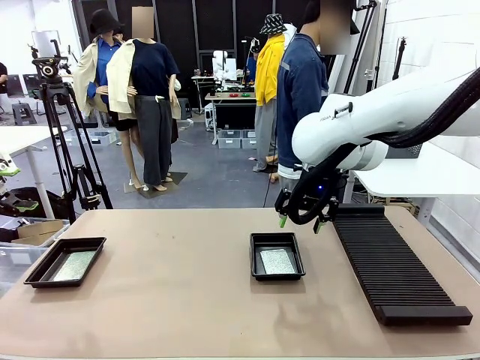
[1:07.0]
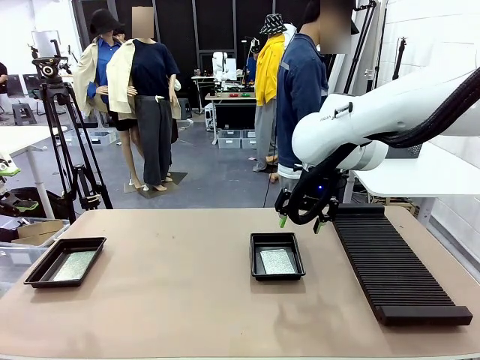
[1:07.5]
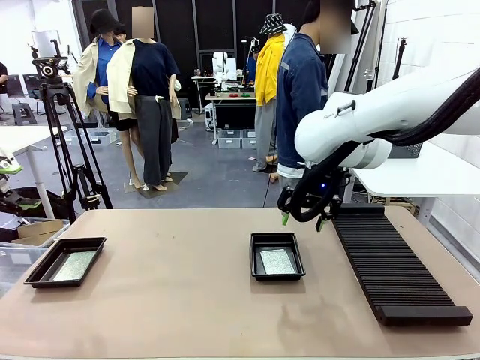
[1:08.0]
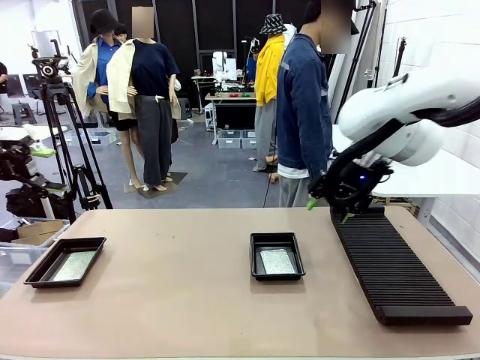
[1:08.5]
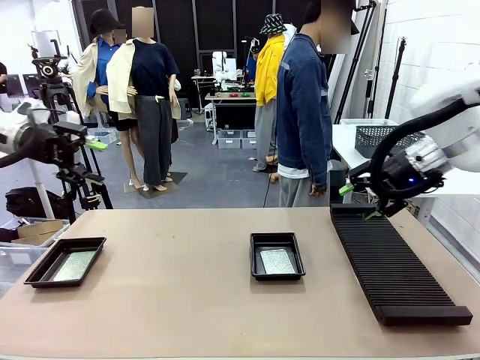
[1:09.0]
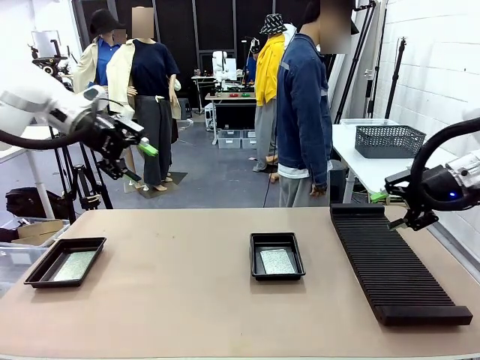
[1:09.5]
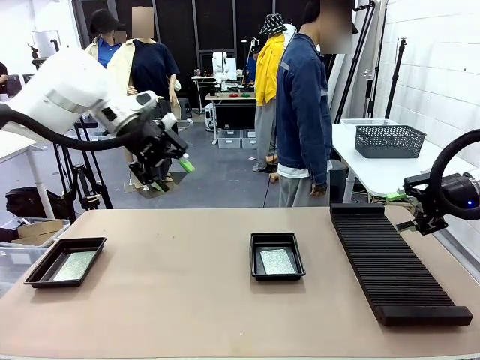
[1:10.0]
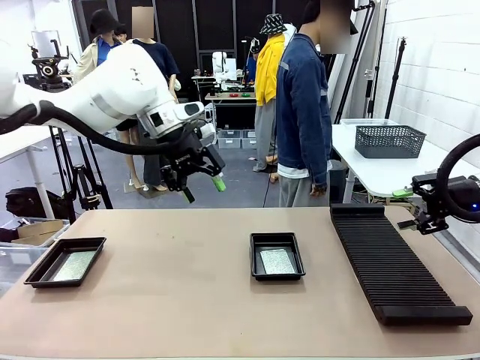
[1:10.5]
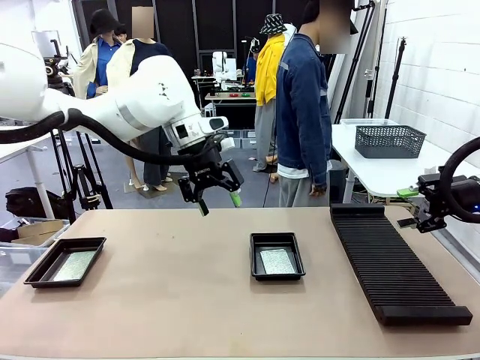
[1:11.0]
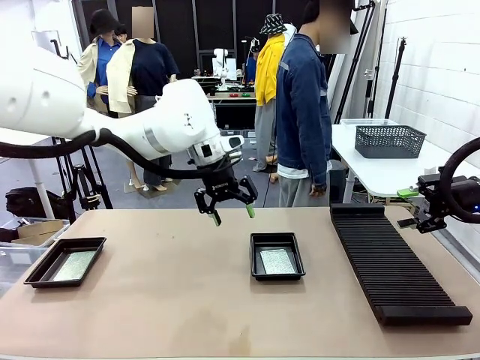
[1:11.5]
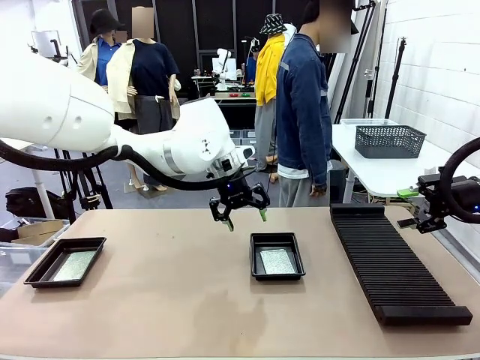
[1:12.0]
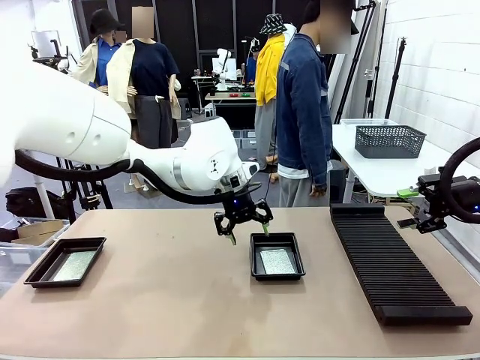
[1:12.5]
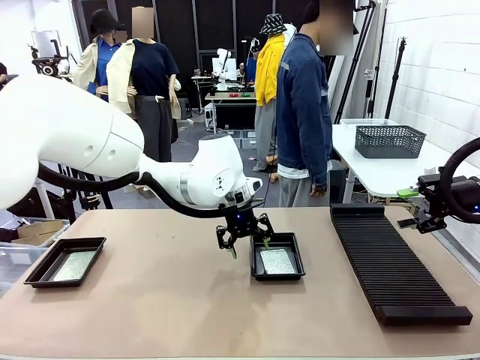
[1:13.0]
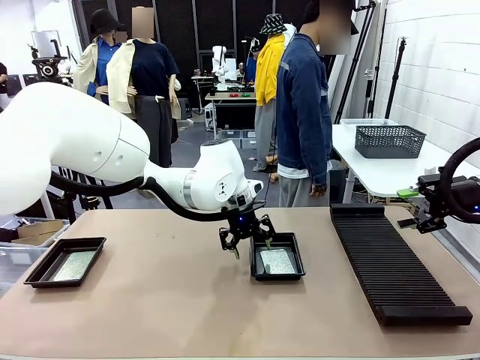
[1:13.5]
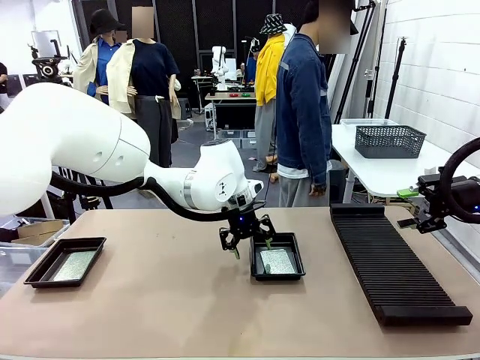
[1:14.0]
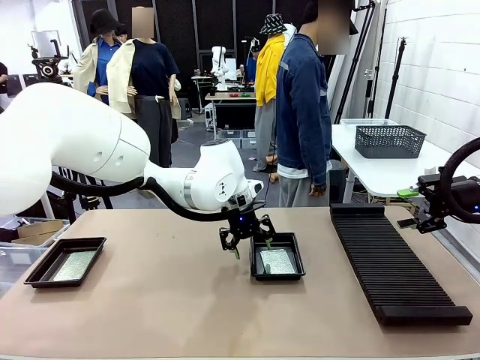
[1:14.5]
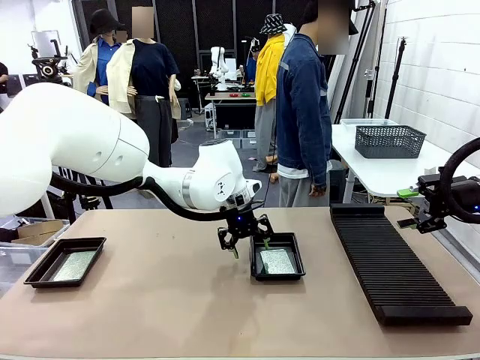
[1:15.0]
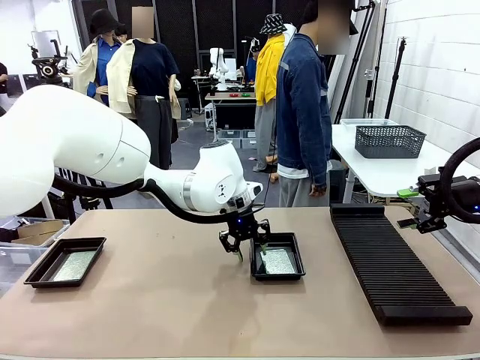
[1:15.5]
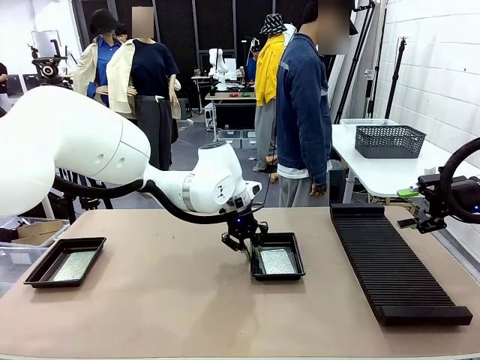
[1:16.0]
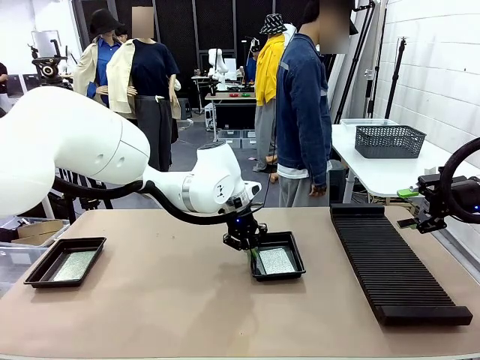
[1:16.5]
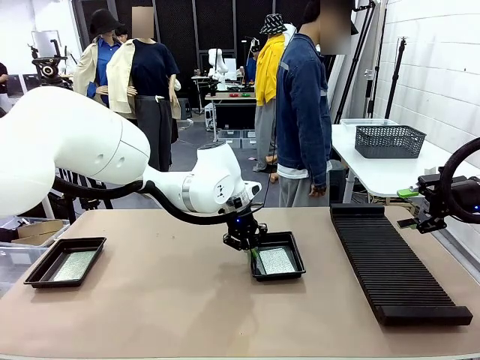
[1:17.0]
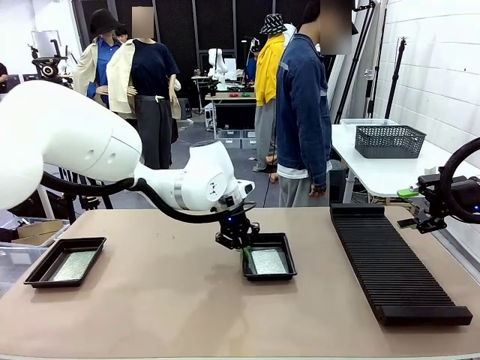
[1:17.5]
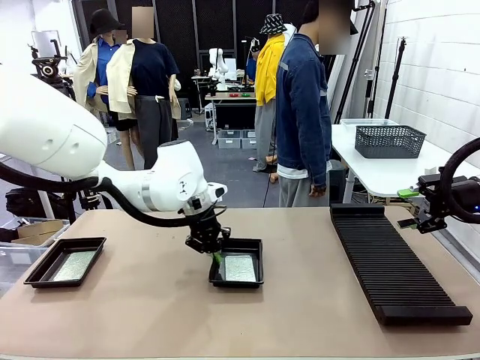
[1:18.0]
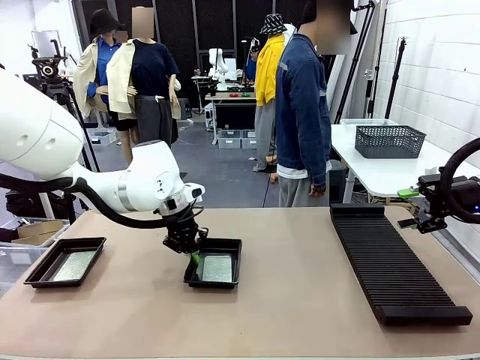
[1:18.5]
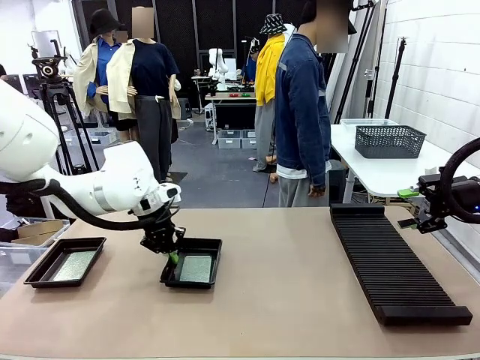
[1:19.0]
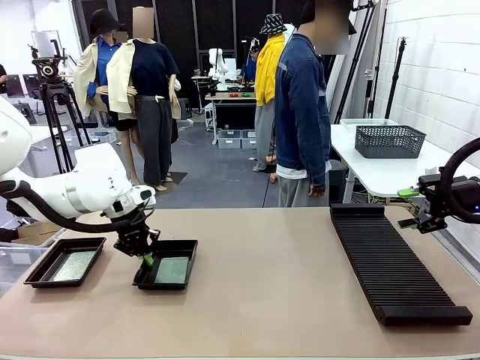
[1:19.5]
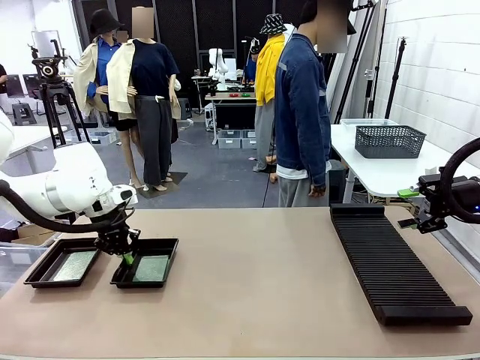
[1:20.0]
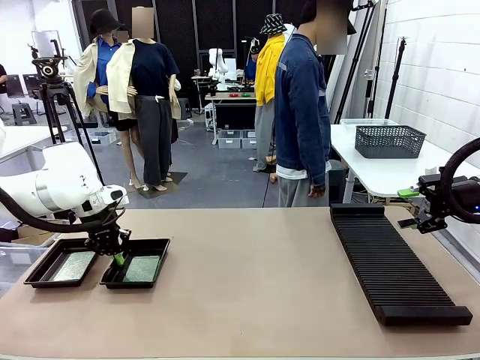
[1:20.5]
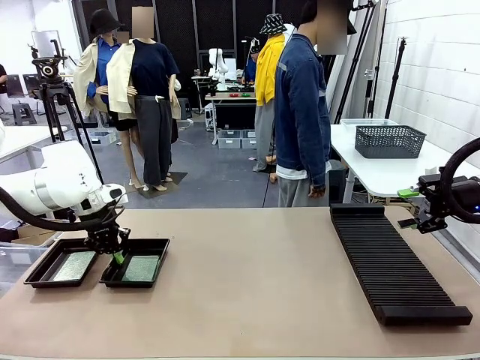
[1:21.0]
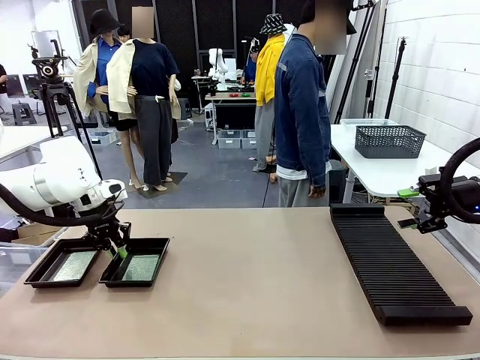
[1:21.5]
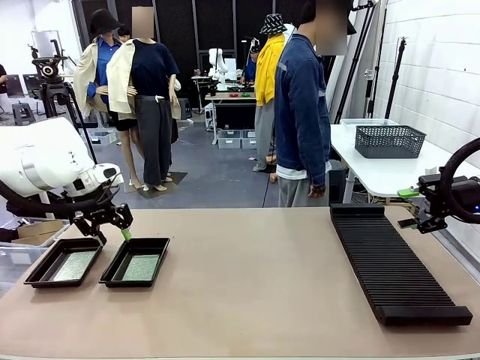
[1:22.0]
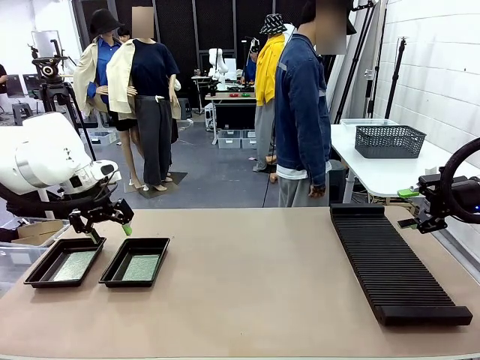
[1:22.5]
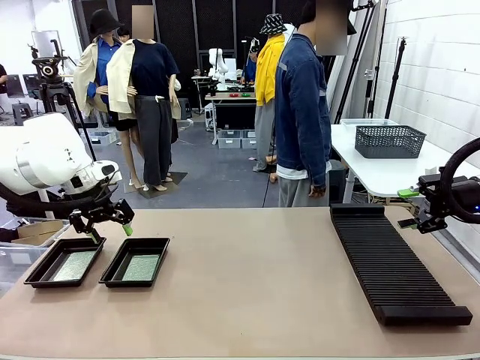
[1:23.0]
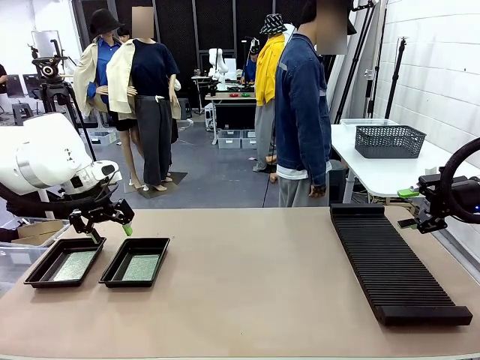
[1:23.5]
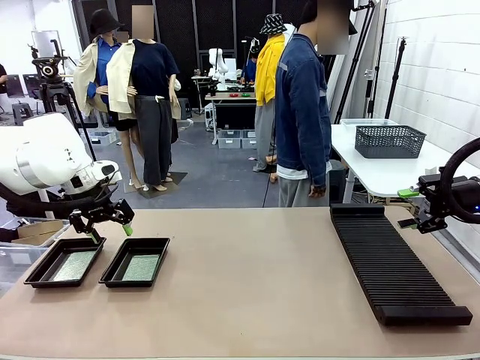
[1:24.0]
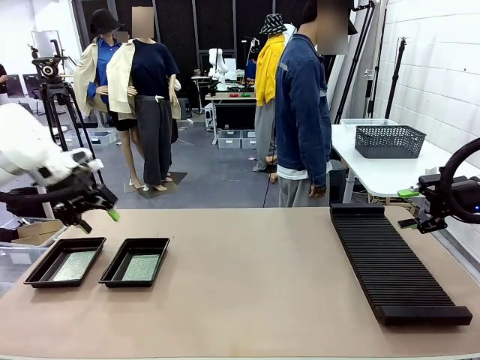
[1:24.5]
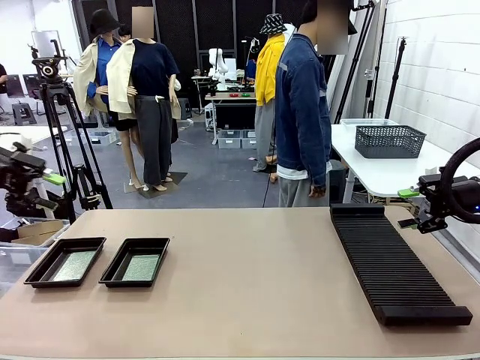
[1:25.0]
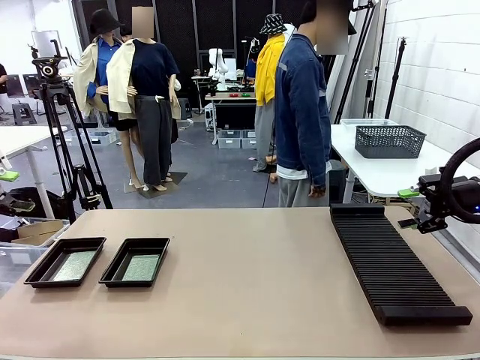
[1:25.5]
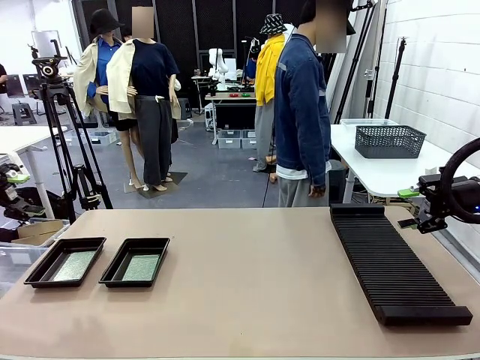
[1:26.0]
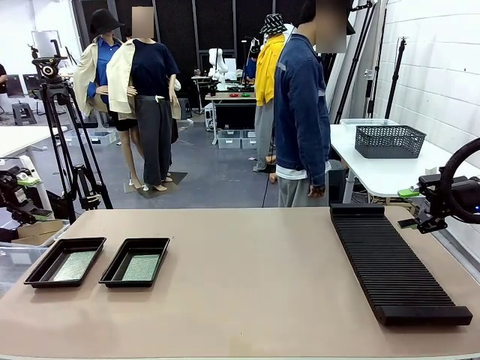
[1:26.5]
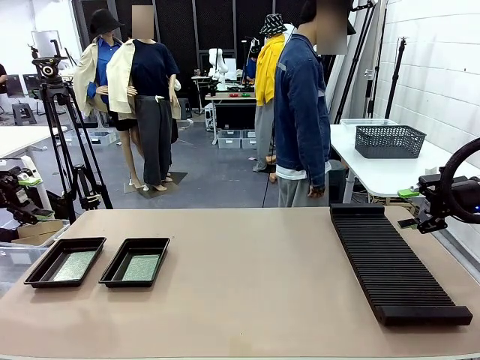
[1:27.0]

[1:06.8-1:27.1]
Task: Inspect and transfer BCBs to ESD trays.
Robot: Pick up the ESD tray and place it on the left side of the table.

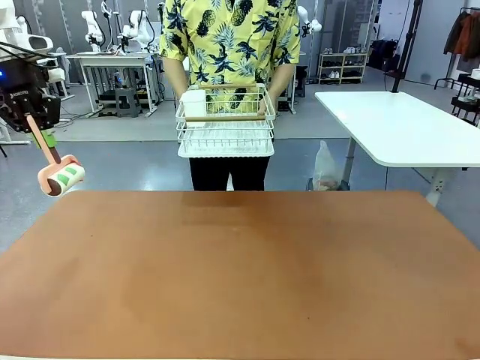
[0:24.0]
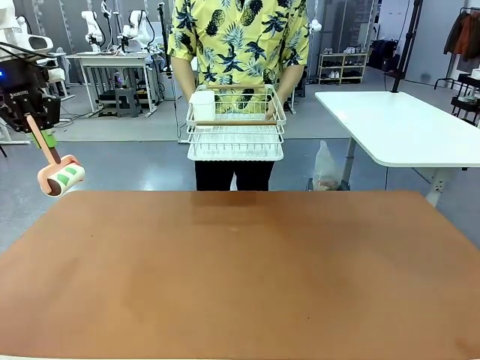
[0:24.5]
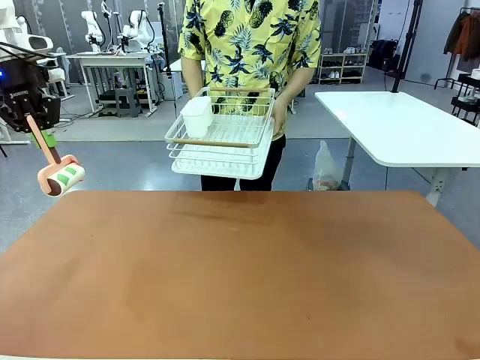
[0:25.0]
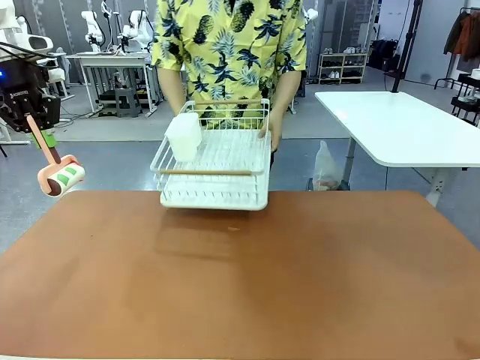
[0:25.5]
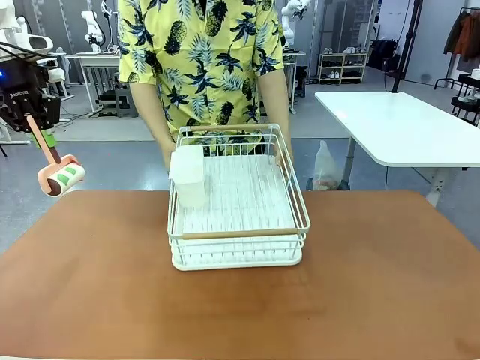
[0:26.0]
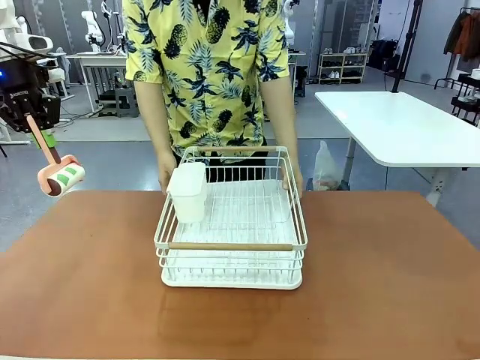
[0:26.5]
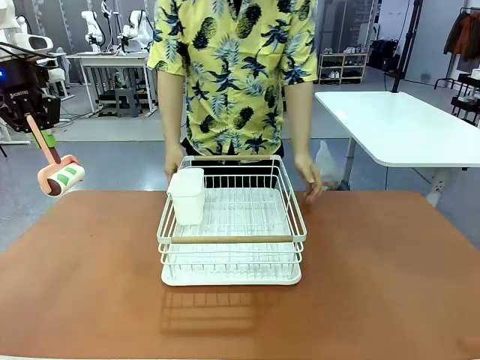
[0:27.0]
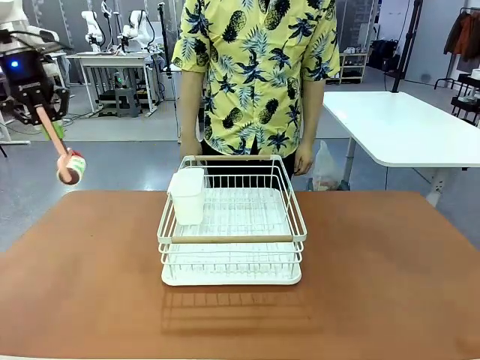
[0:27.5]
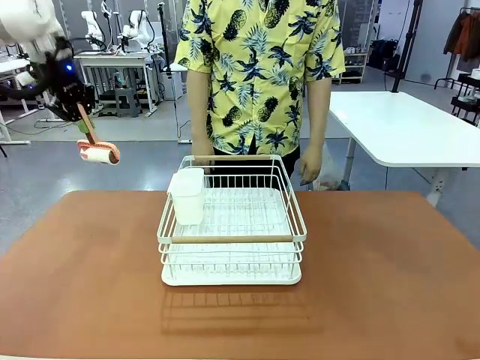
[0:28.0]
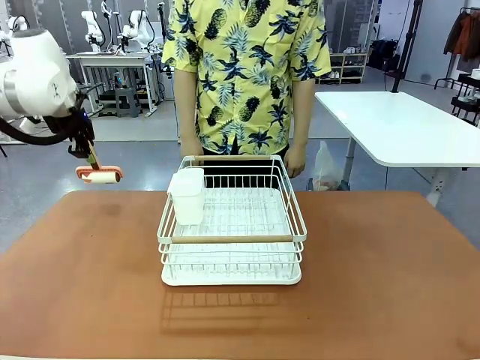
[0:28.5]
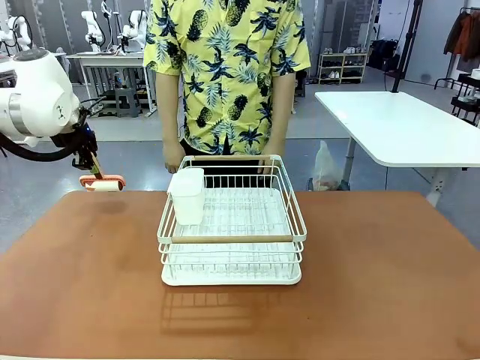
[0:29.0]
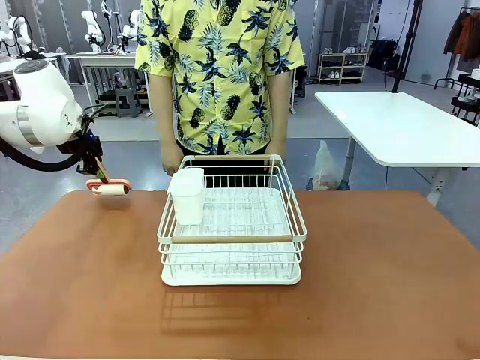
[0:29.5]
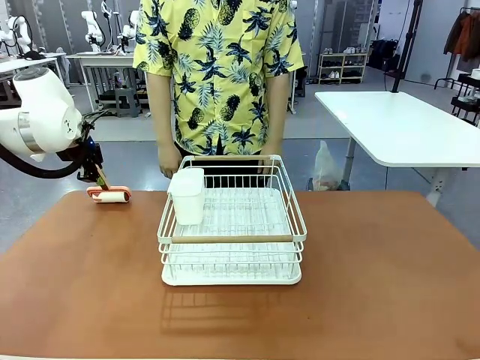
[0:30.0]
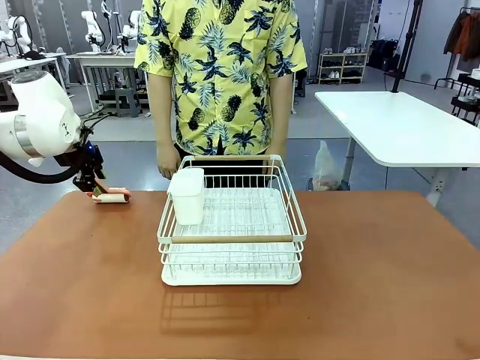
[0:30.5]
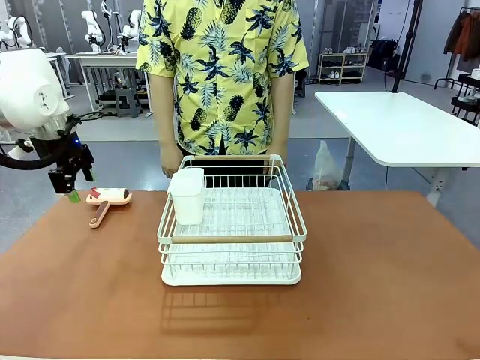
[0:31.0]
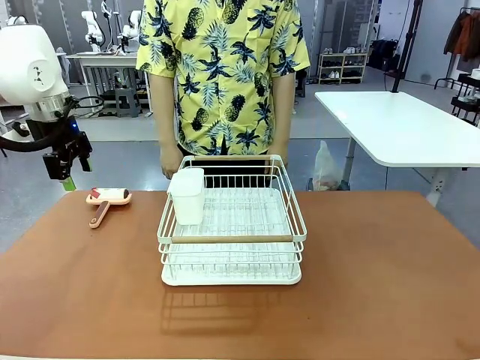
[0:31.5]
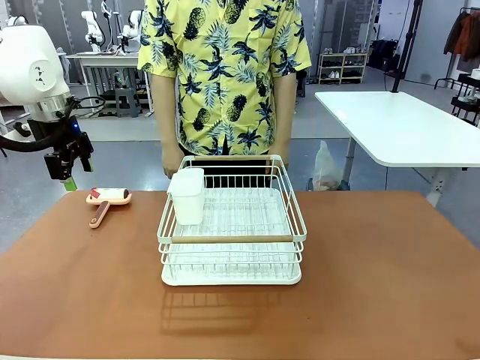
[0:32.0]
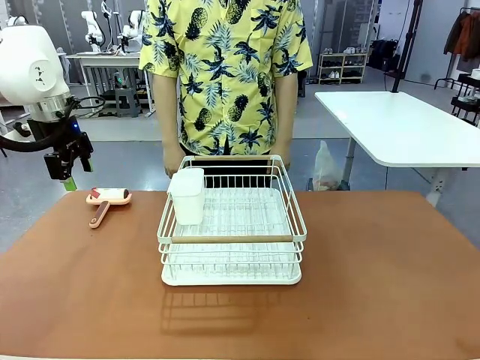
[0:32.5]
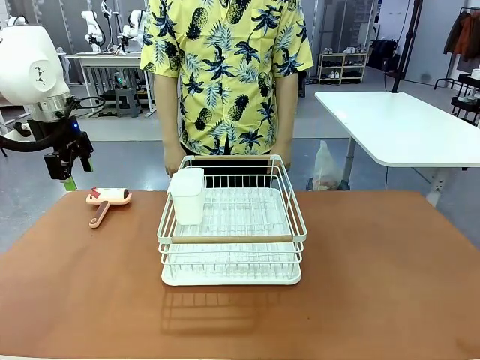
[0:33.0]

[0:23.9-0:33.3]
Task: Clean the table.
Robot: Place the Lint Roller down when the Dish drying rack is positioned in the middle of the table.
Person: Place the Dish drying rack down when the robot finishes cleaning.
